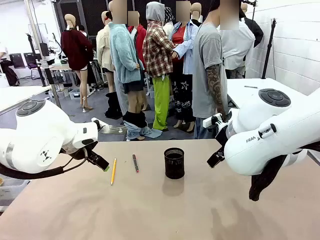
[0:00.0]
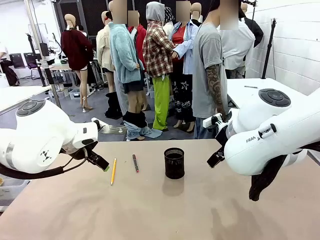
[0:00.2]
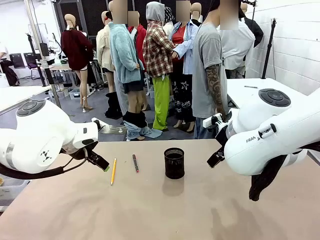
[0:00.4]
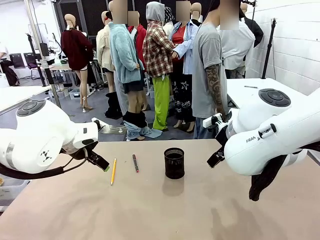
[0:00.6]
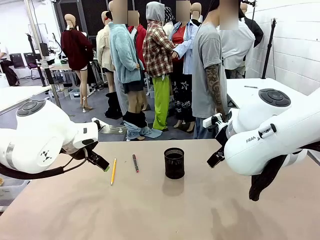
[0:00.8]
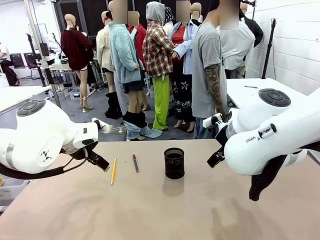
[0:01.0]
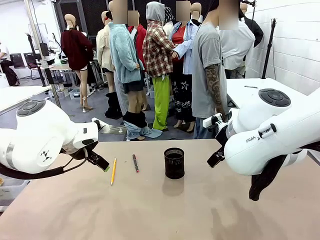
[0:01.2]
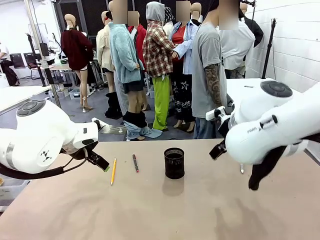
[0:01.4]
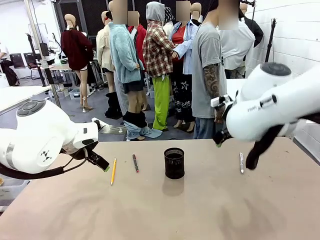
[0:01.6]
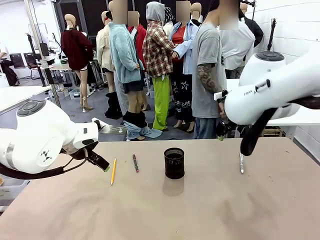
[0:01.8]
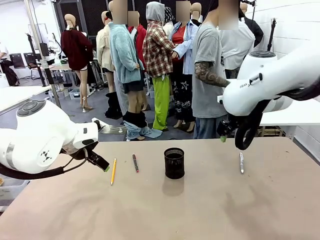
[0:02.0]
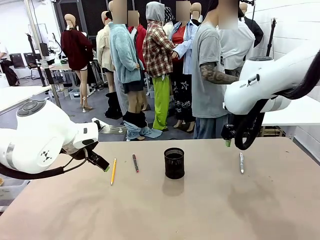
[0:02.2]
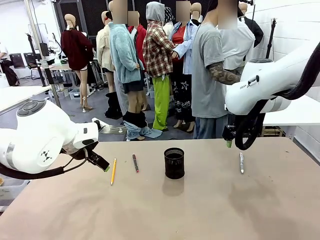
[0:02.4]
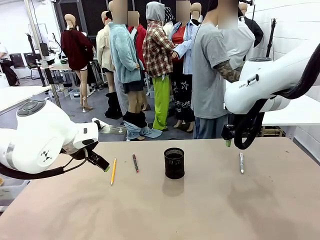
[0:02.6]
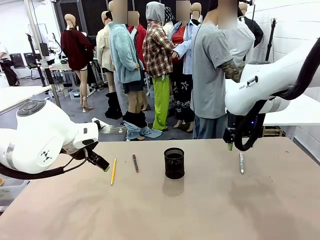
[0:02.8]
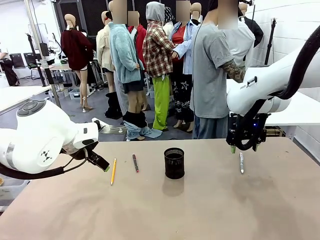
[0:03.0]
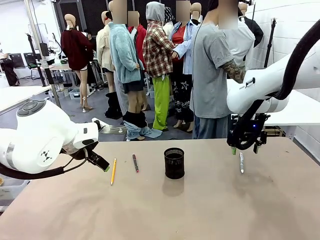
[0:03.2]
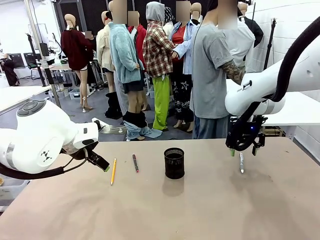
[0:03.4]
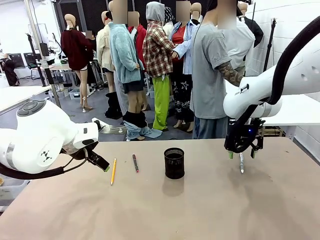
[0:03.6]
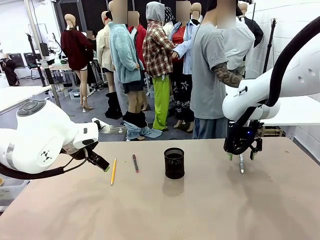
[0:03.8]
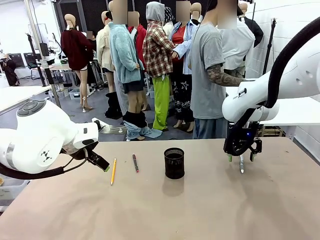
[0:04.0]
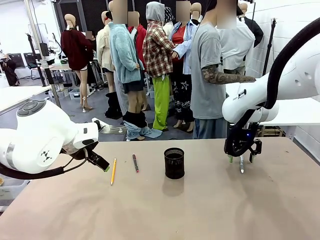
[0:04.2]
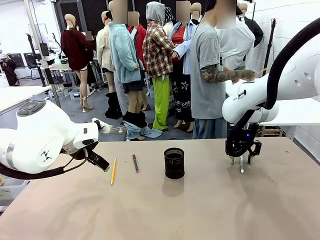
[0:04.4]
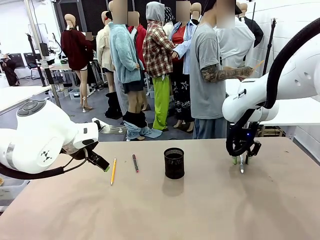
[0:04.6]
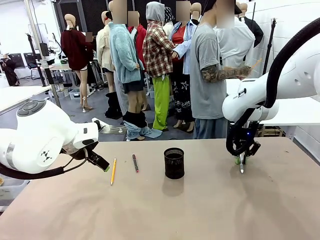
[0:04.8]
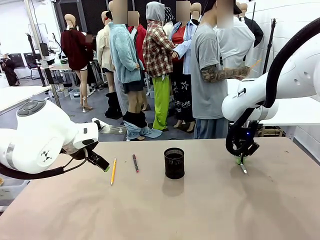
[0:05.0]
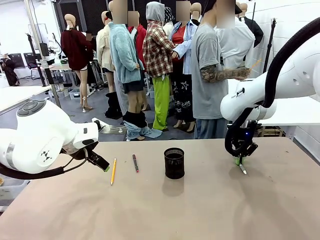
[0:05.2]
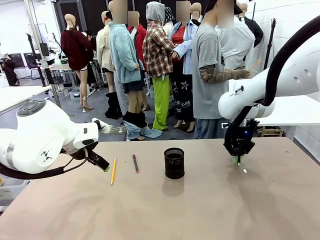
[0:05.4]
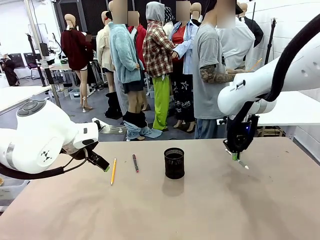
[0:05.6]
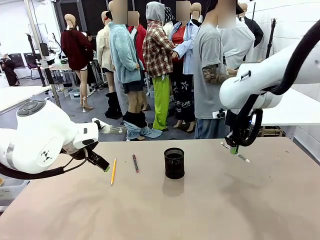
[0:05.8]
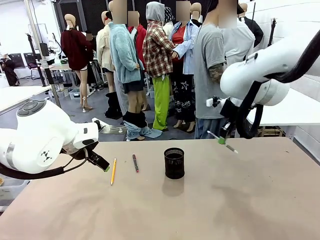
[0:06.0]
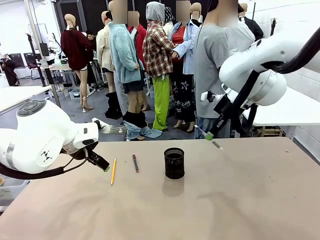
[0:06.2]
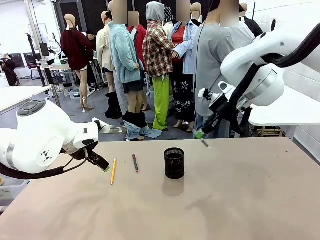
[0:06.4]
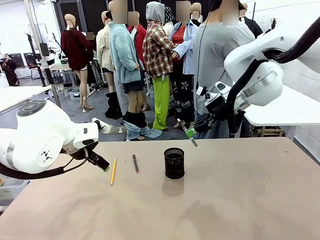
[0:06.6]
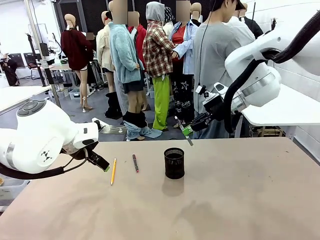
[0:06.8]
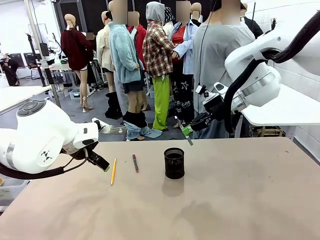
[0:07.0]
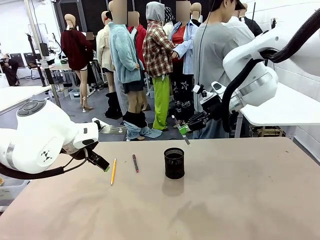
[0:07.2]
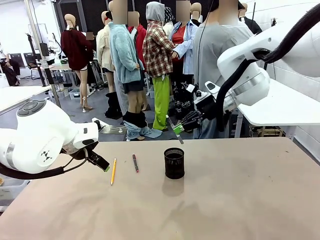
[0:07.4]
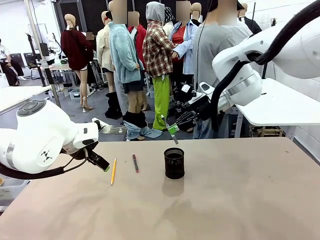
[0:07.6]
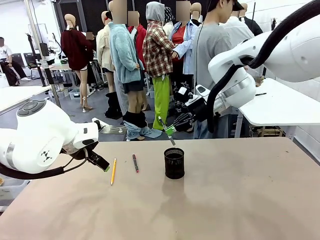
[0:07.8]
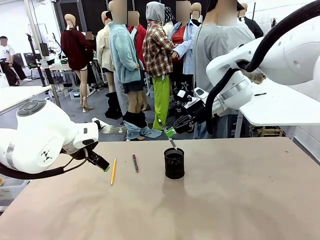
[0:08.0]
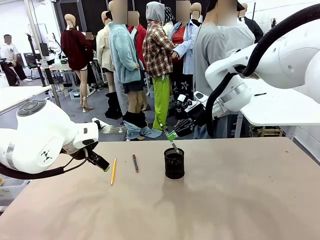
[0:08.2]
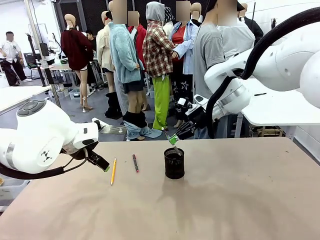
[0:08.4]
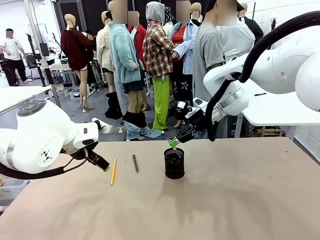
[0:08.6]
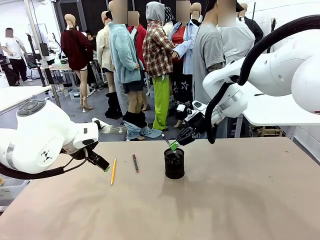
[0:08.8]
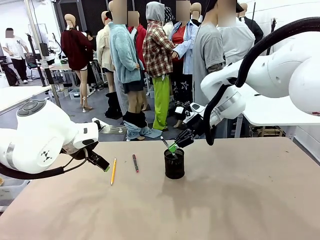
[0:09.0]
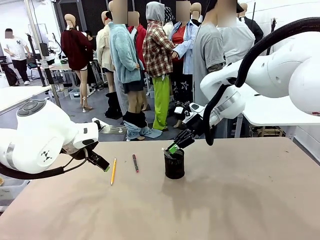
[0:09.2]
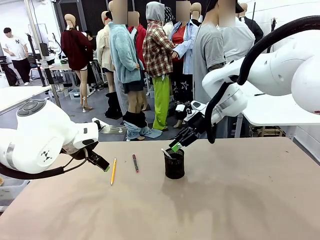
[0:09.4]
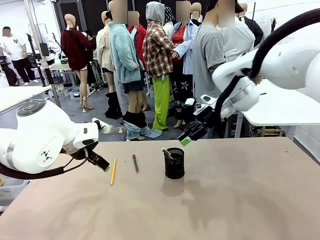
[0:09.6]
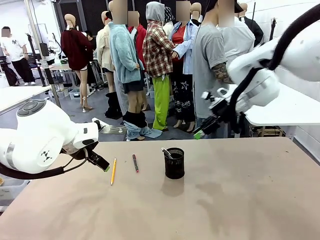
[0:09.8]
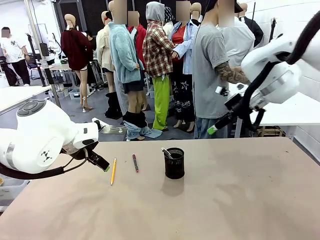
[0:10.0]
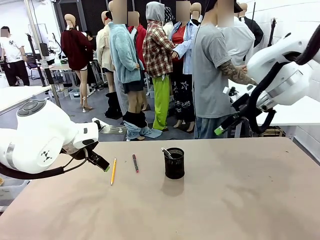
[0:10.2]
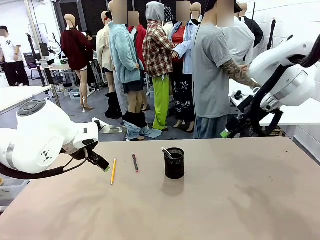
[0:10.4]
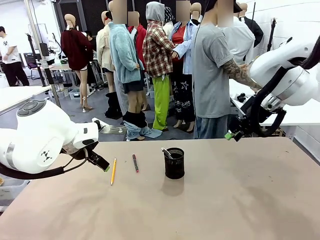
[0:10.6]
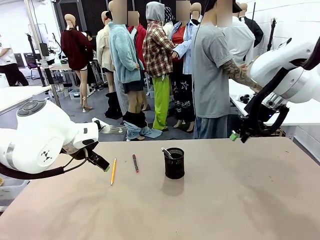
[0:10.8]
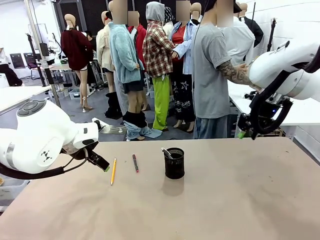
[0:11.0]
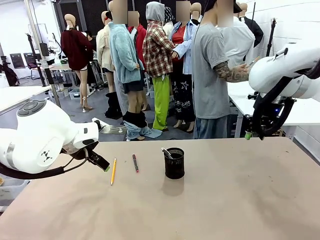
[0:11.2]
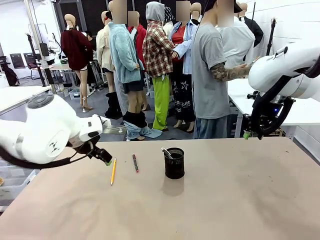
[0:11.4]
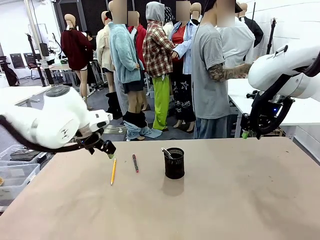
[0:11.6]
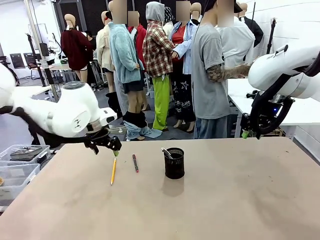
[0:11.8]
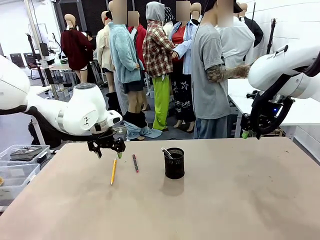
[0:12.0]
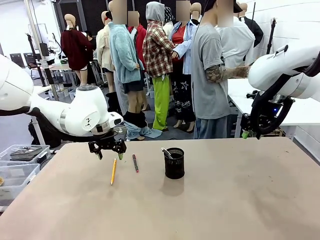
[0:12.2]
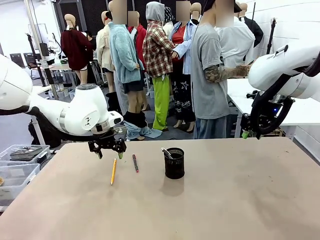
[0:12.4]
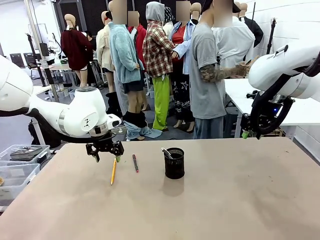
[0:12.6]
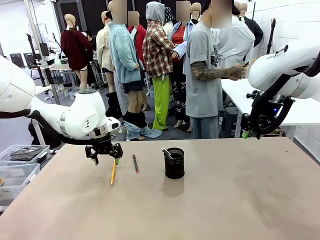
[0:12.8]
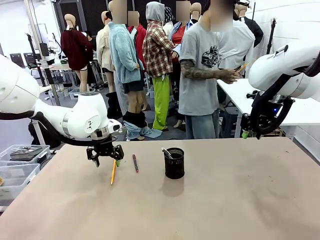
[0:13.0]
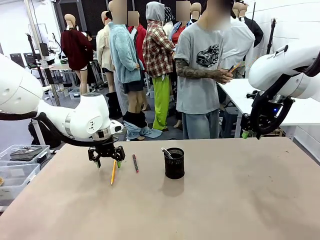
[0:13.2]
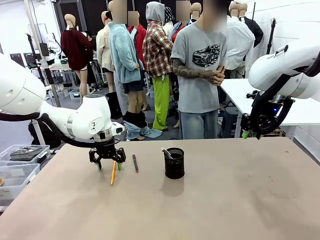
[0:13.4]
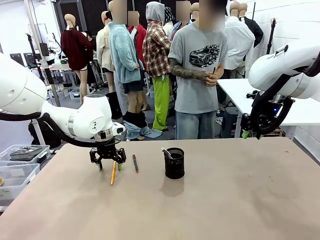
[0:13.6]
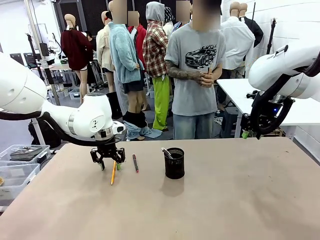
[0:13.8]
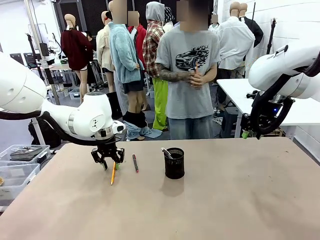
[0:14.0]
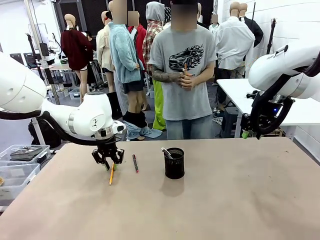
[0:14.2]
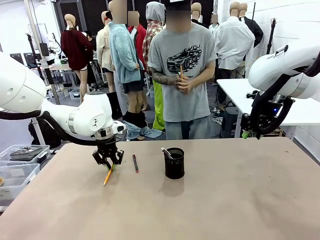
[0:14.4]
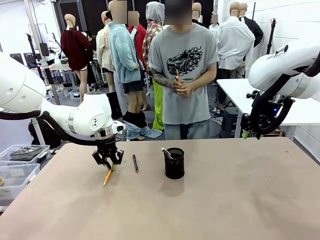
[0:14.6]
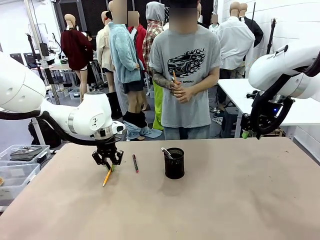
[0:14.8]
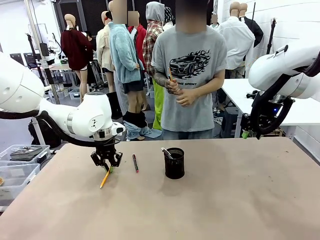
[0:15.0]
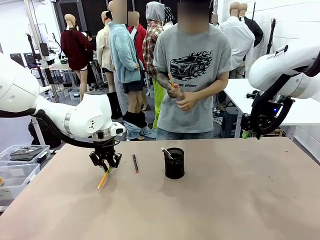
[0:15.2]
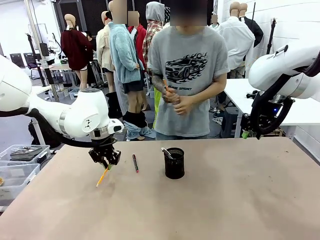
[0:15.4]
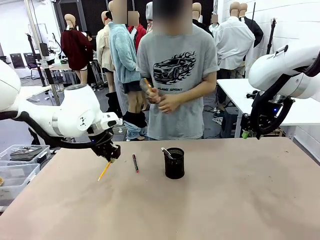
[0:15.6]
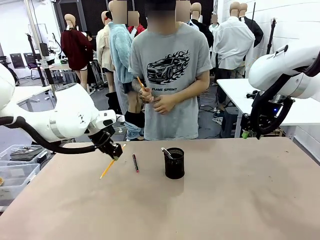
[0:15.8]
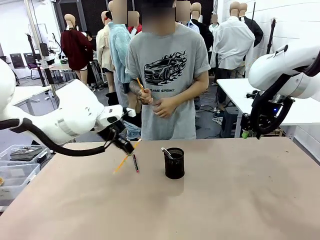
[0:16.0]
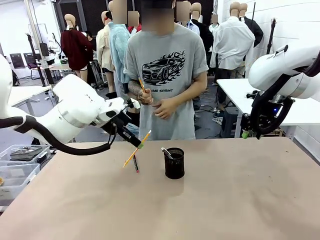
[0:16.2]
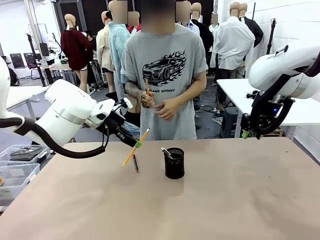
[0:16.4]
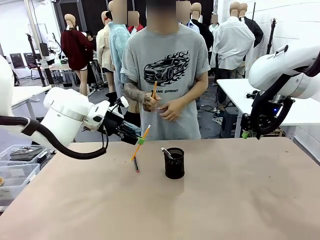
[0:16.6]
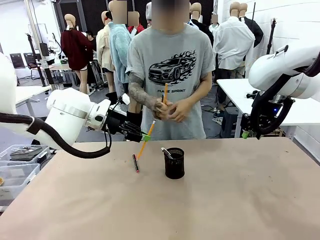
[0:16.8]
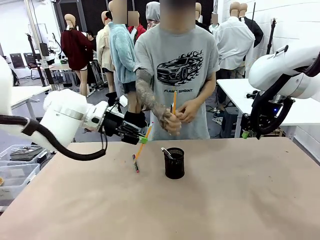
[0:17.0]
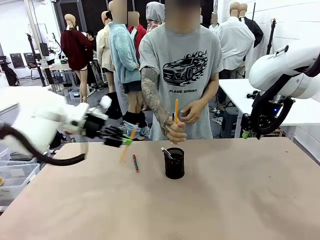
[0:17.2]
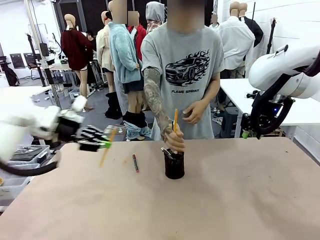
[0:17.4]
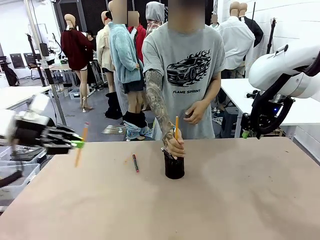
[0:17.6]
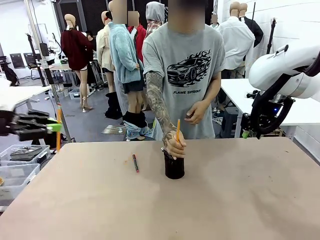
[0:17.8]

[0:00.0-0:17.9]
Task: Place the pens into the pen holder.
Robot: Pick up a writing instrument from the table and place it into the Pen holder.
Person: Pick up all writing instruments from the Human table.
